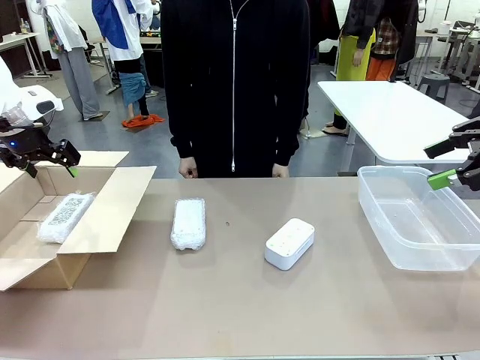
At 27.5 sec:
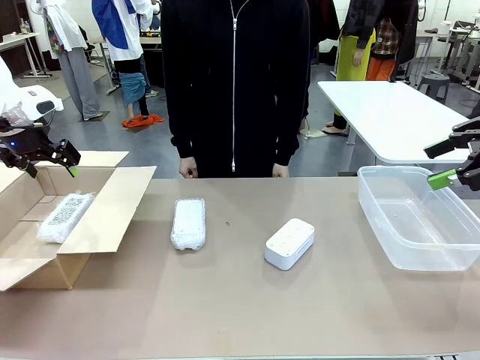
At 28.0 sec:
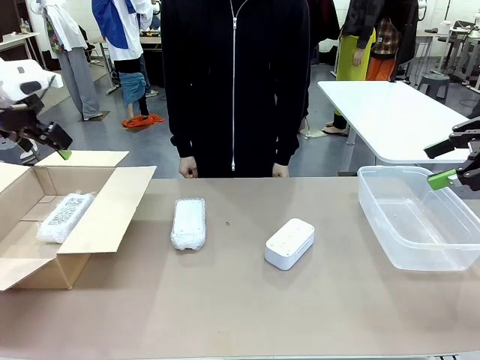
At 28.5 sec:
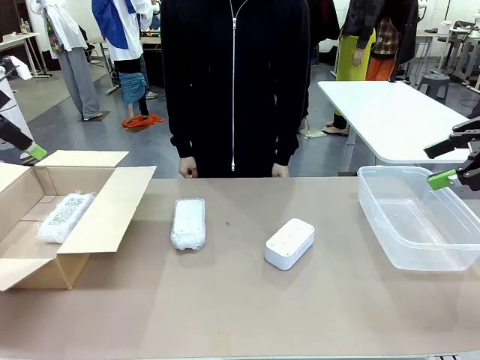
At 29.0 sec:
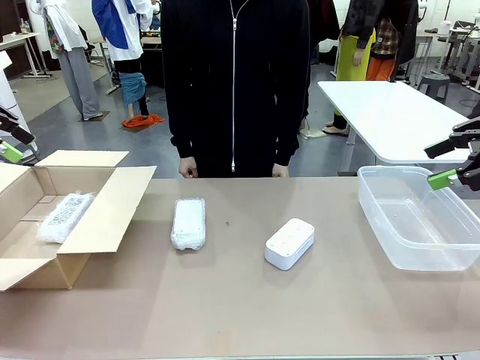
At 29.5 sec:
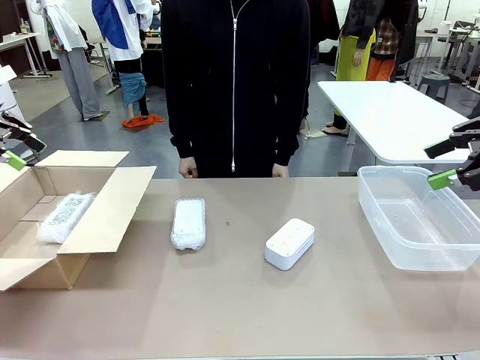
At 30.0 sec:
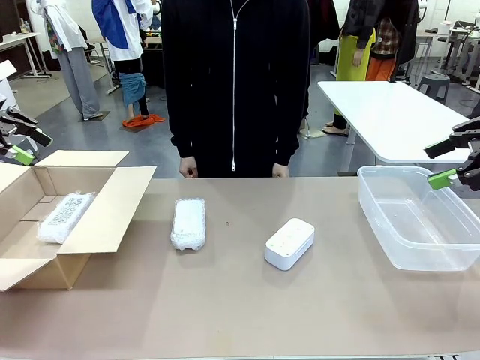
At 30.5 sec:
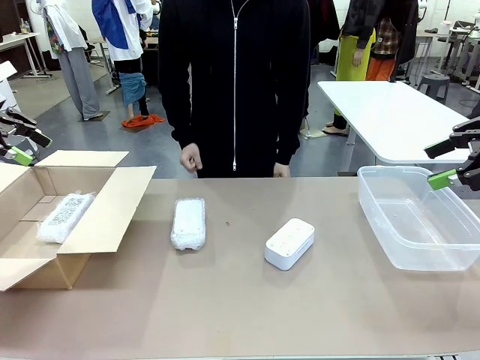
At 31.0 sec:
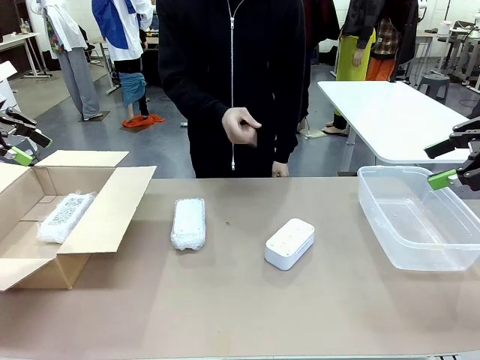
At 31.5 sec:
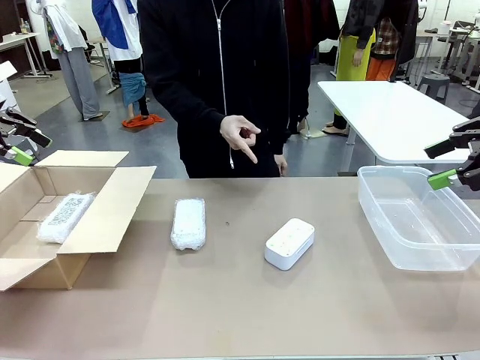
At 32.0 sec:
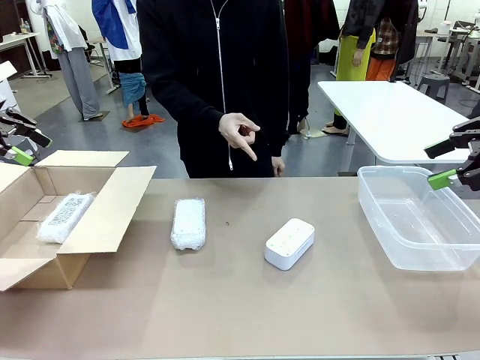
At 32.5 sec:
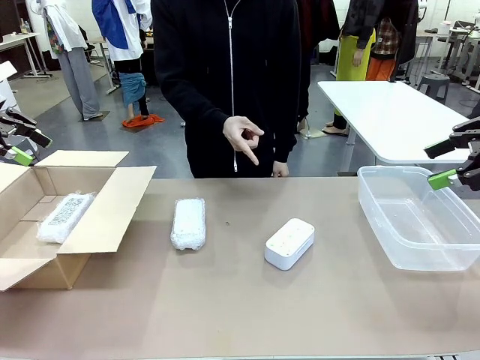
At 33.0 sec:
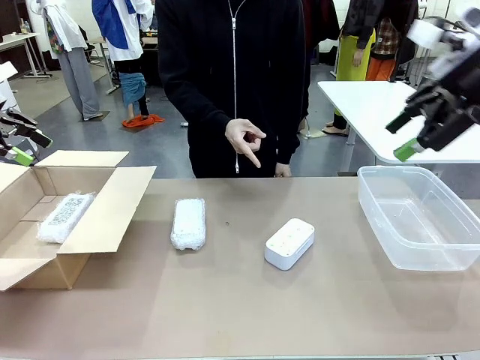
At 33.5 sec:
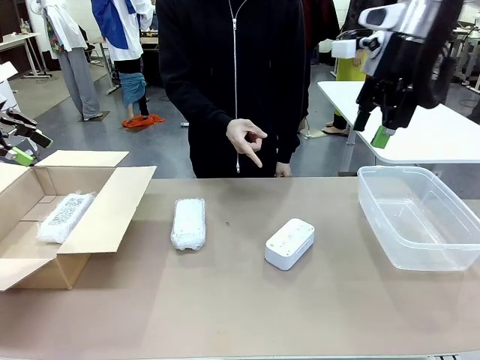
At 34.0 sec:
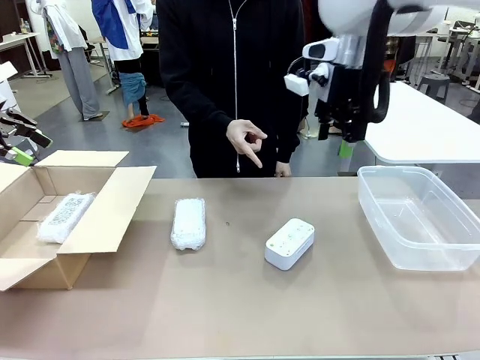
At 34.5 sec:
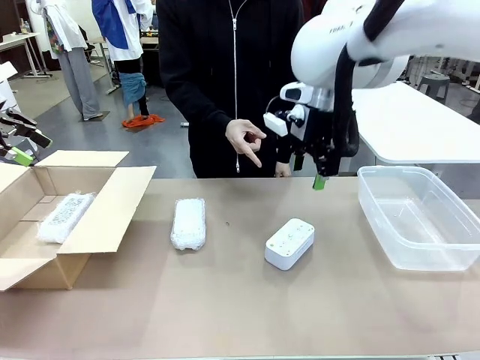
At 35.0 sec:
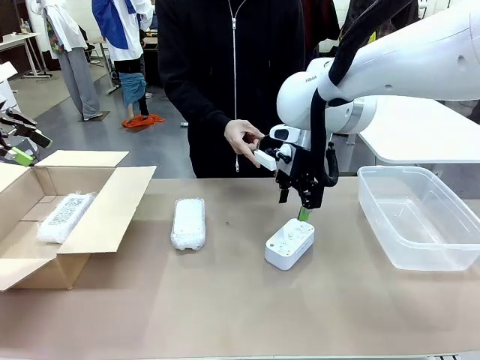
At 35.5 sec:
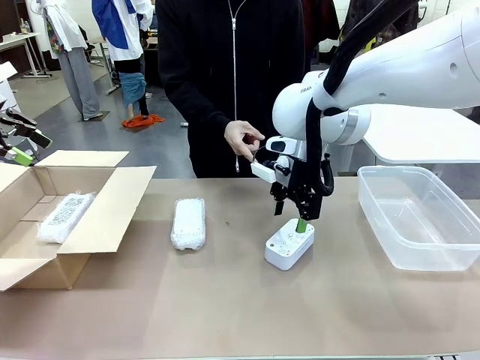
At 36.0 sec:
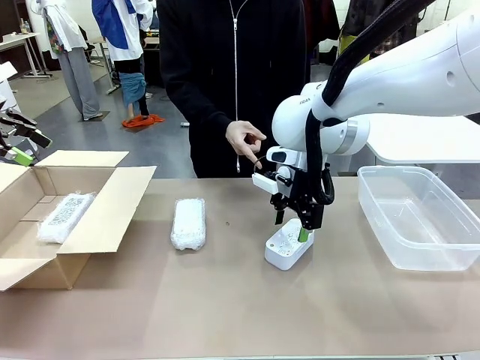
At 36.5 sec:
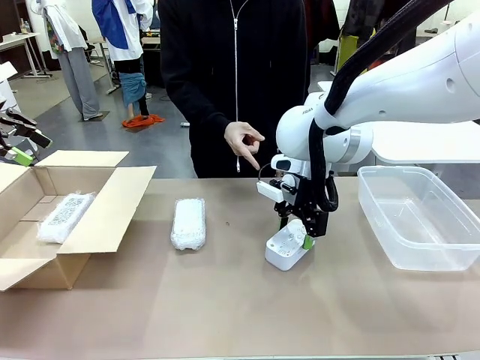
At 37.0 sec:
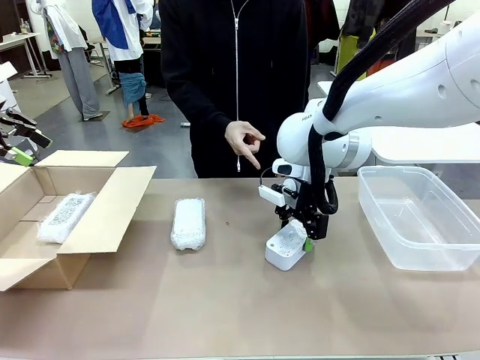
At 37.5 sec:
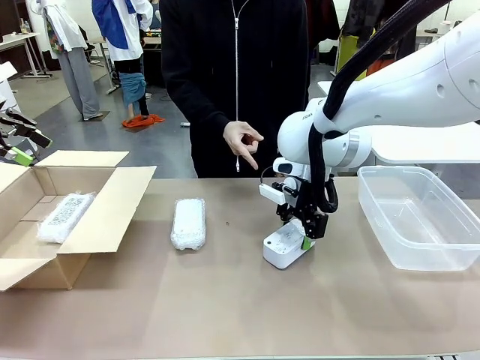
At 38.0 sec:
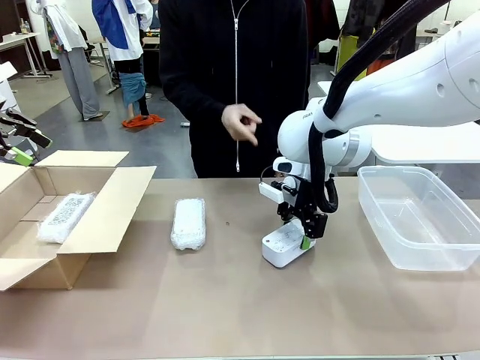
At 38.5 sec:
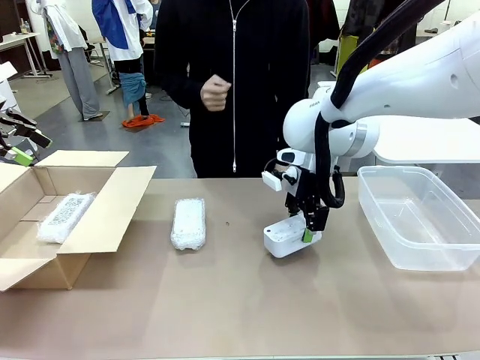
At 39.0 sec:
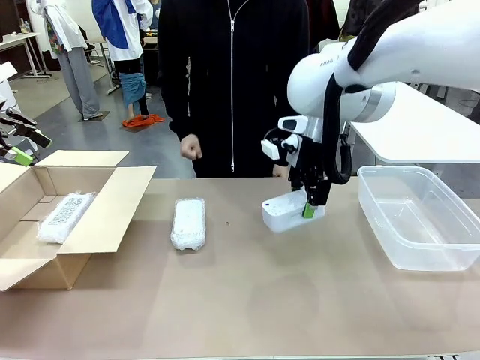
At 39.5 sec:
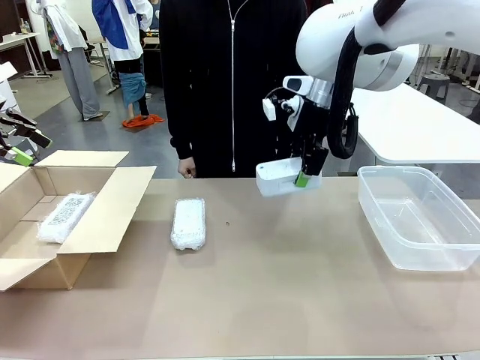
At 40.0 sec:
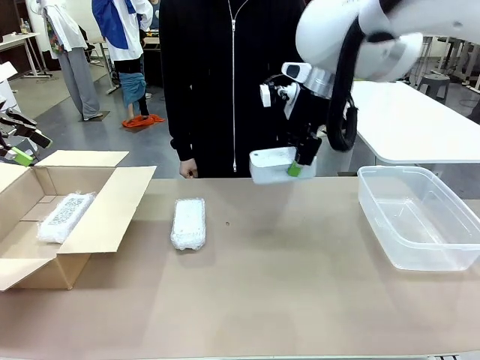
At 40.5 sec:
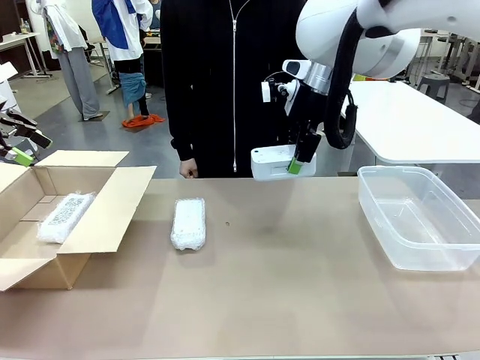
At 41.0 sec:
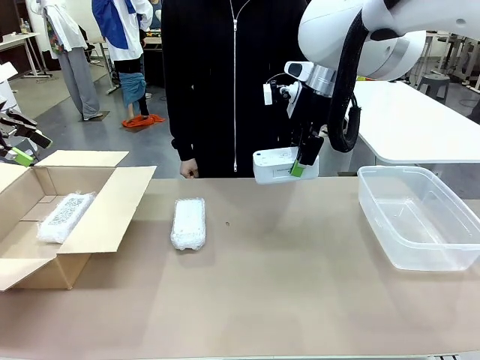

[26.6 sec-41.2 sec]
Task: Separate and place wrapped and unwrapped clocks.
Robot: Pick up the Digital clock indicated by the person.

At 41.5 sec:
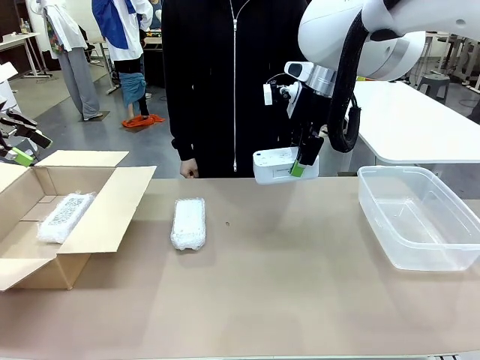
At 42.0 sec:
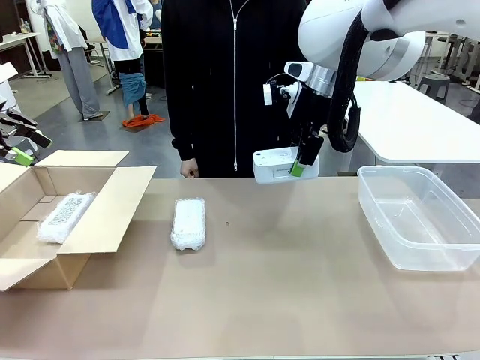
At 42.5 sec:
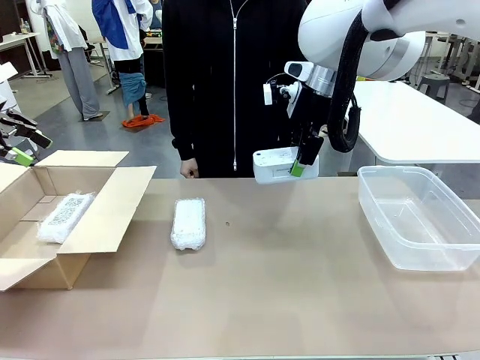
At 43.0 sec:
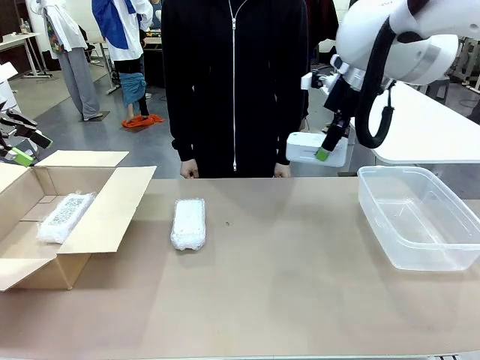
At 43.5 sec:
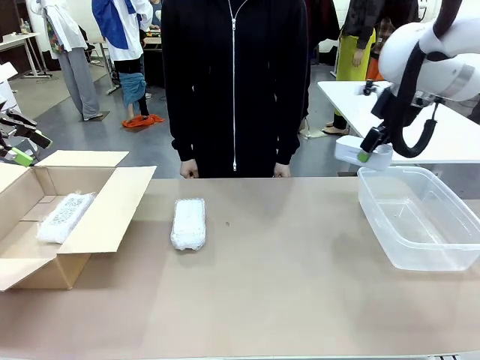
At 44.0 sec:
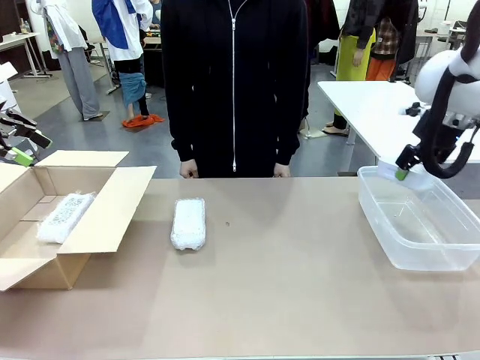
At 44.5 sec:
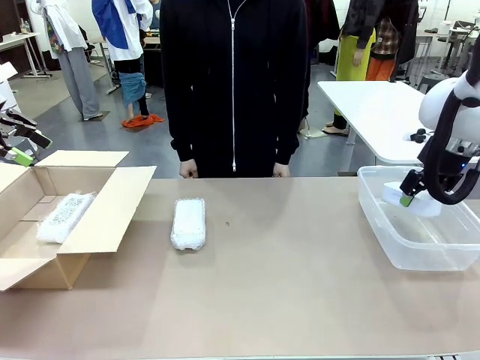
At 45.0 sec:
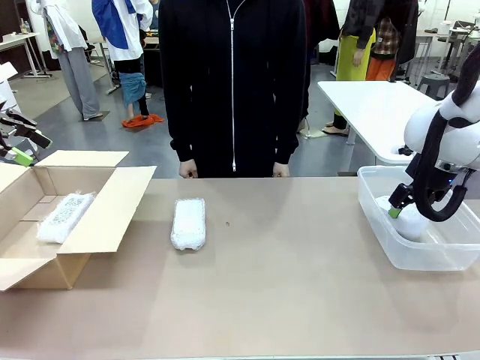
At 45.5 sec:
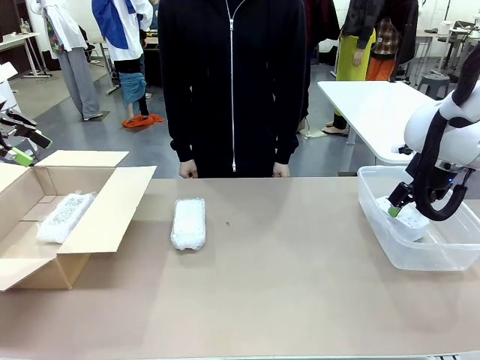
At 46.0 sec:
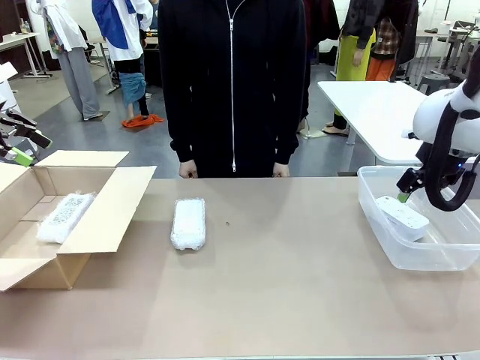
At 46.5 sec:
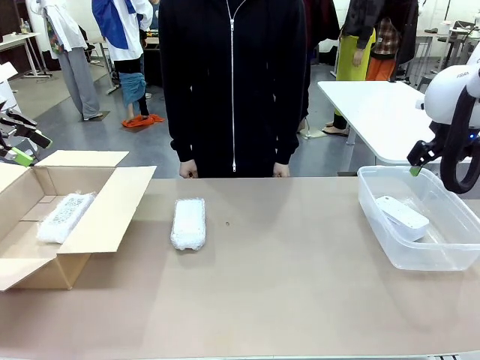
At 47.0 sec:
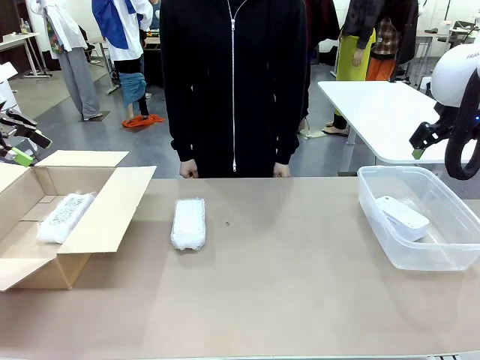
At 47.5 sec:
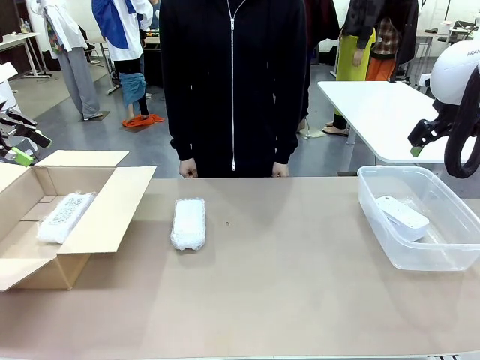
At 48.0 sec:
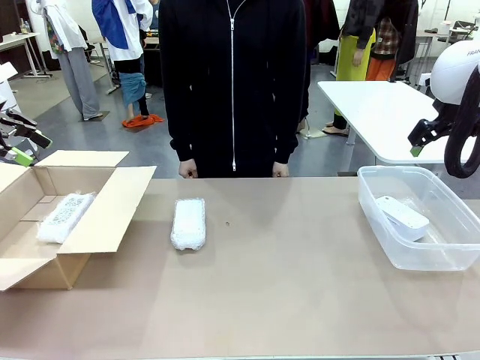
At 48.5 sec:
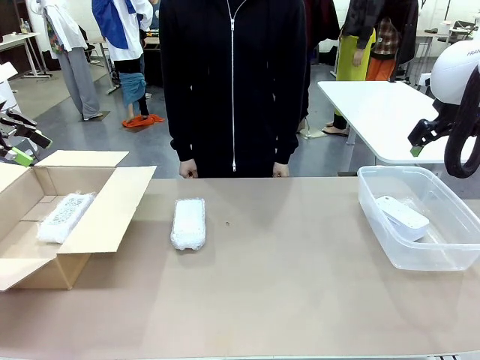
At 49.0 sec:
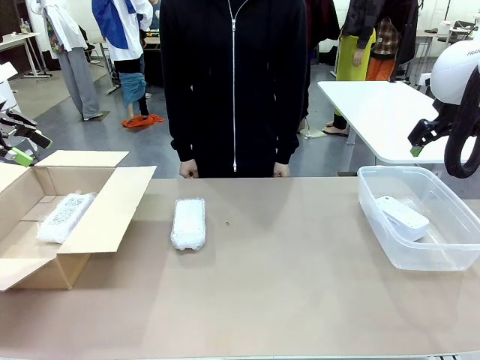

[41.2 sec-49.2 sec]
Robot: If the picked Digital clock is wrapped, place it in the Package Box ; if not, place it in the Organizing box.

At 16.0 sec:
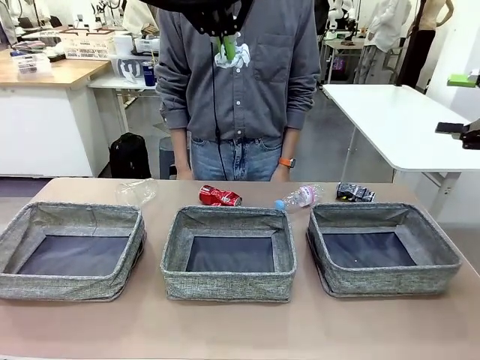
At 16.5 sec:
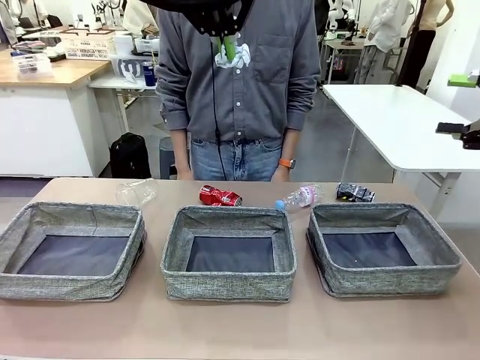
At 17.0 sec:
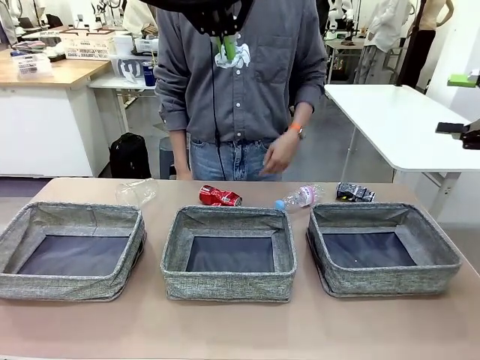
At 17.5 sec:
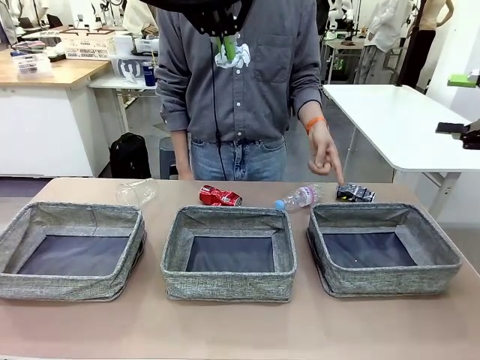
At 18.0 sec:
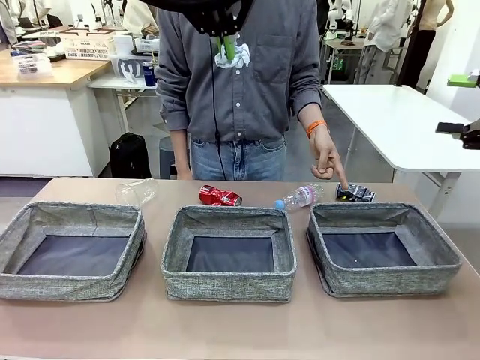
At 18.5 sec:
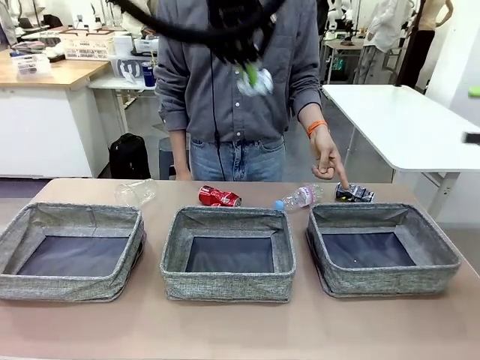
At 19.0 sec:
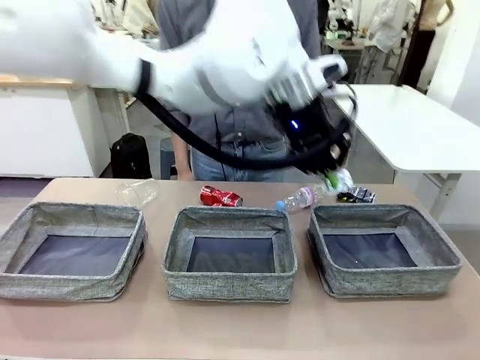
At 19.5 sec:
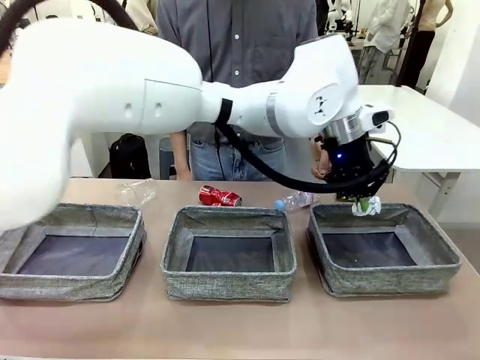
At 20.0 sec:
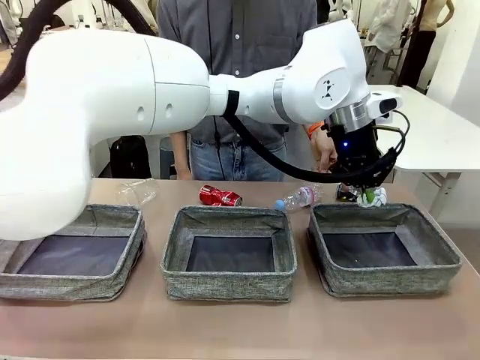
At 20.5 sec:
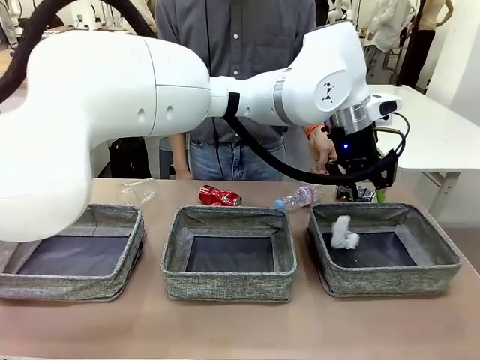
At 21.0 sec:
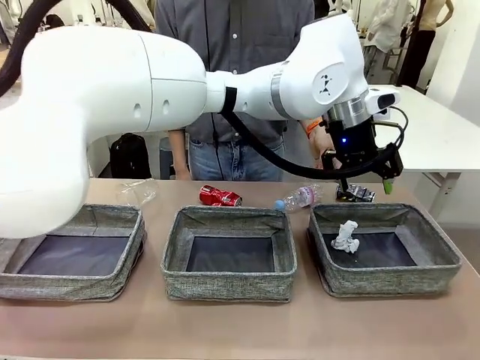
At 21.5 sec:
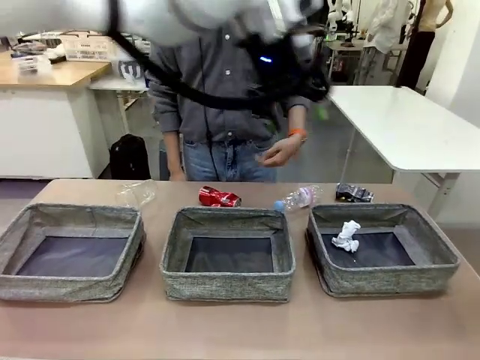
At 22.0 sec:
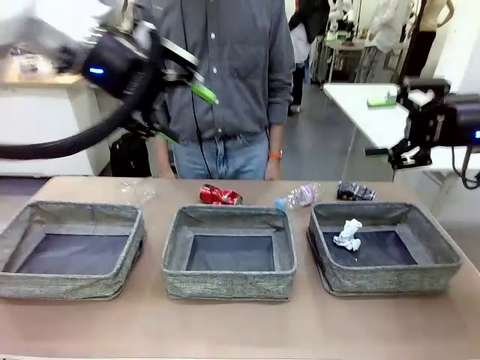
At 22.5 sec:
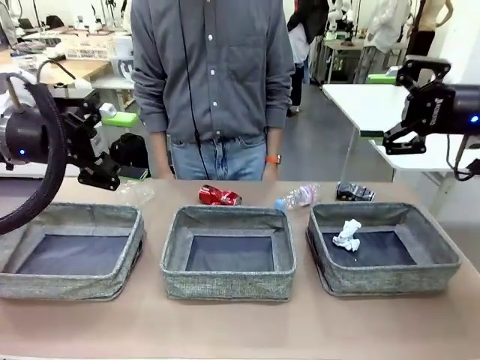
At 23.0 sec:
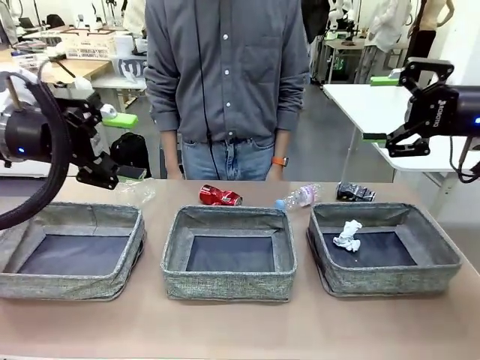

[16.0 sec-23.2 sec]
Task: Sort the waste into the appropriate baskets.
Robot: Place the picked waste into the Fabric basket indicated by the person.
Person: Instructs the robot to place the picked-up trash into the appropriate organizing basket.
